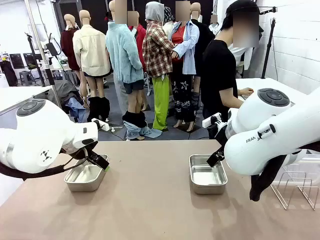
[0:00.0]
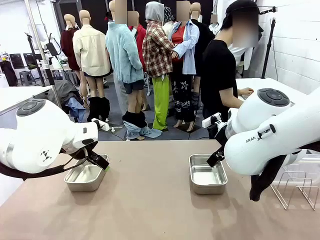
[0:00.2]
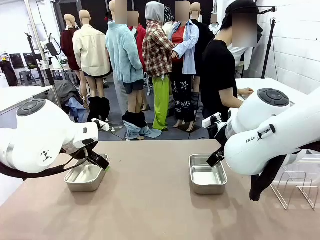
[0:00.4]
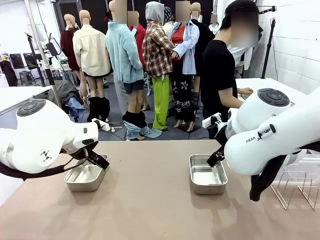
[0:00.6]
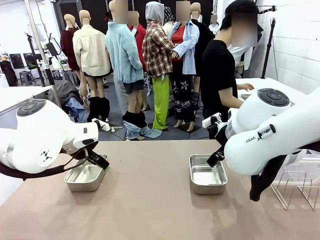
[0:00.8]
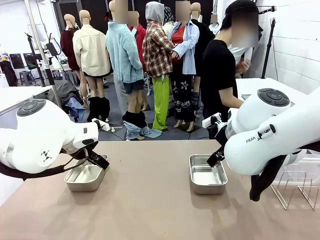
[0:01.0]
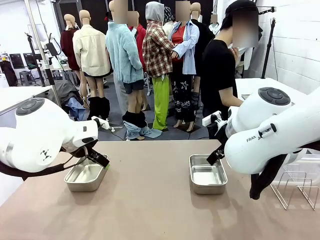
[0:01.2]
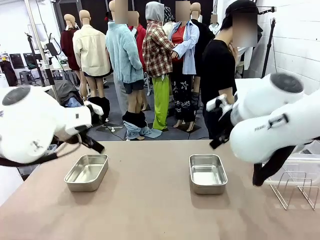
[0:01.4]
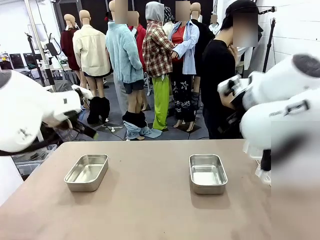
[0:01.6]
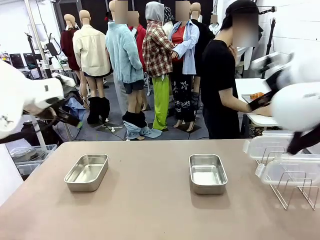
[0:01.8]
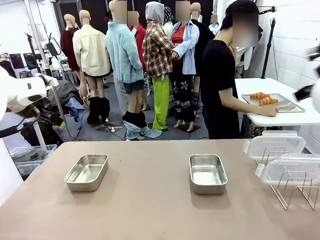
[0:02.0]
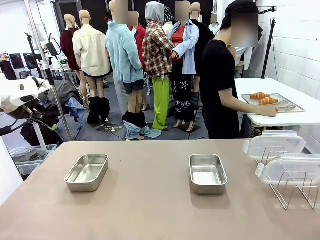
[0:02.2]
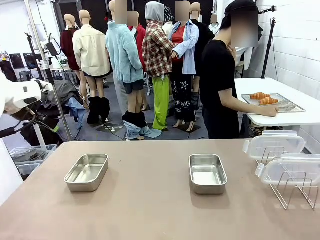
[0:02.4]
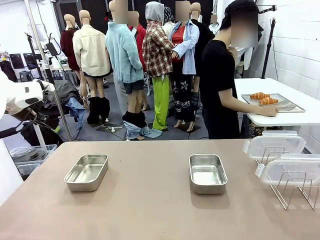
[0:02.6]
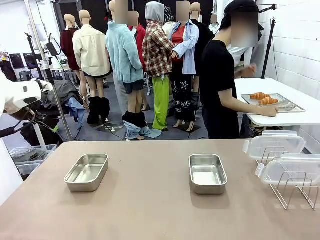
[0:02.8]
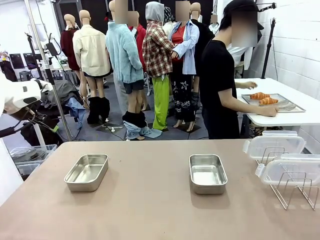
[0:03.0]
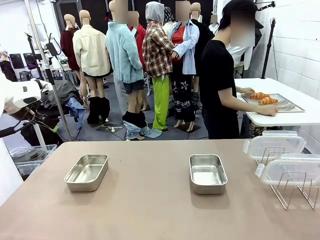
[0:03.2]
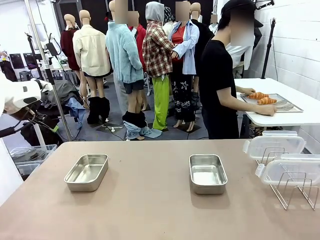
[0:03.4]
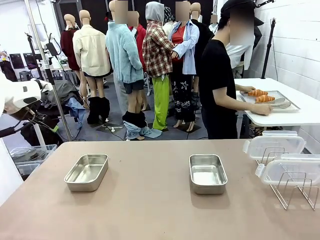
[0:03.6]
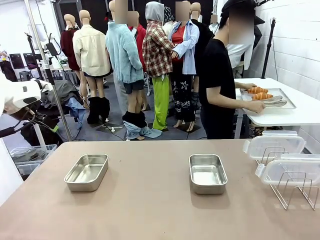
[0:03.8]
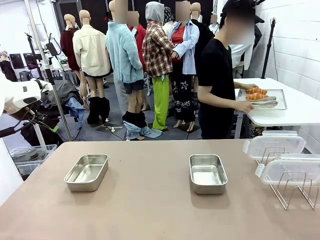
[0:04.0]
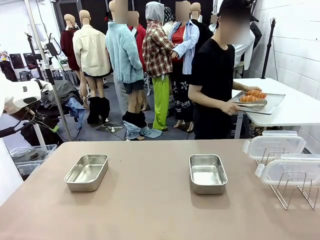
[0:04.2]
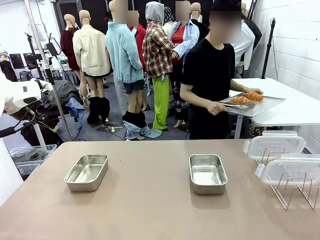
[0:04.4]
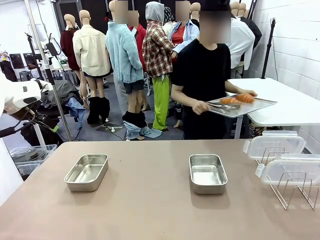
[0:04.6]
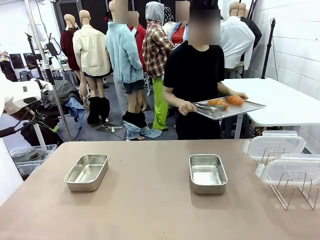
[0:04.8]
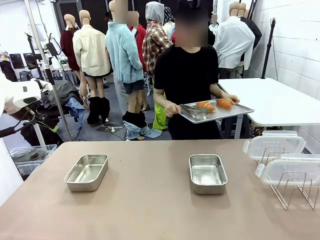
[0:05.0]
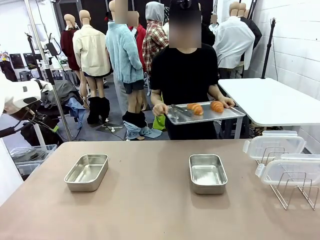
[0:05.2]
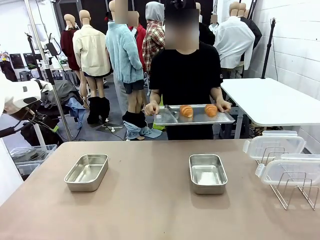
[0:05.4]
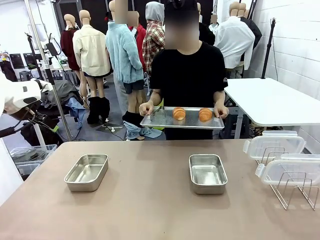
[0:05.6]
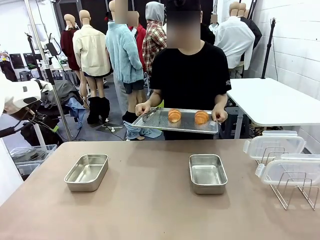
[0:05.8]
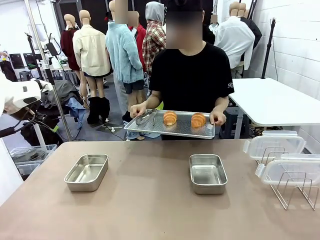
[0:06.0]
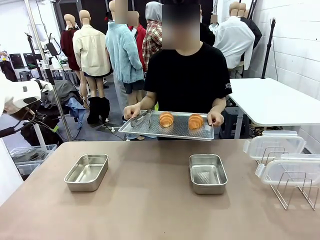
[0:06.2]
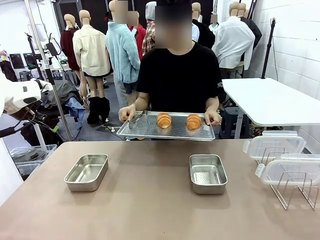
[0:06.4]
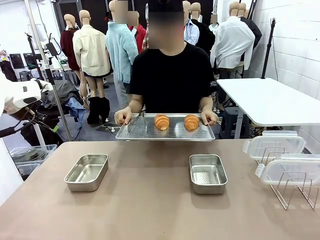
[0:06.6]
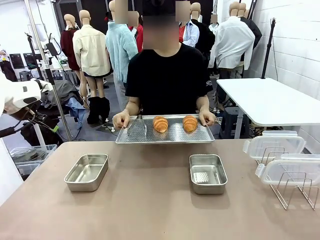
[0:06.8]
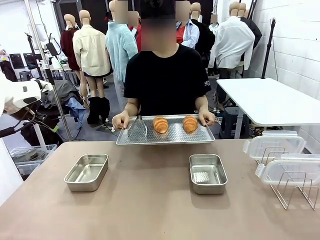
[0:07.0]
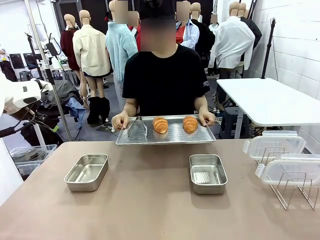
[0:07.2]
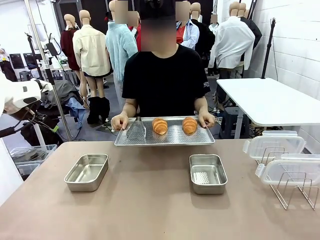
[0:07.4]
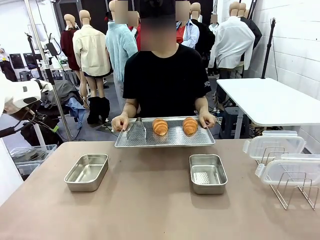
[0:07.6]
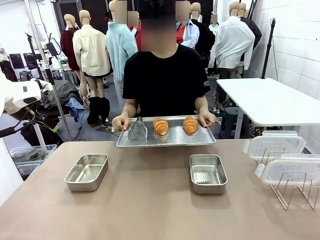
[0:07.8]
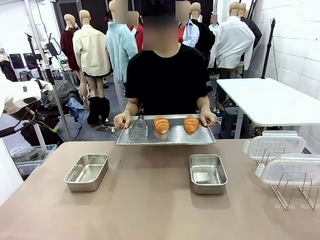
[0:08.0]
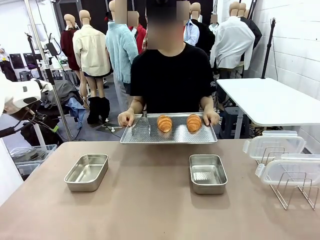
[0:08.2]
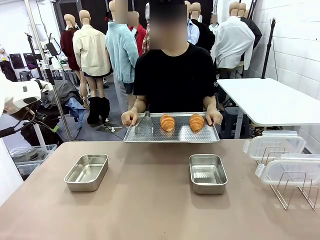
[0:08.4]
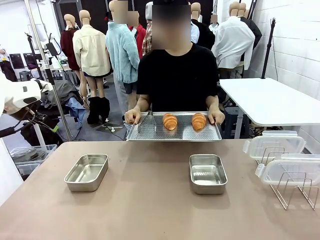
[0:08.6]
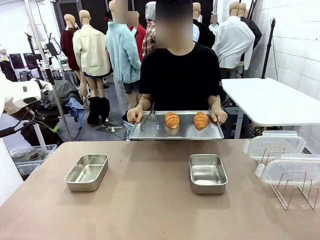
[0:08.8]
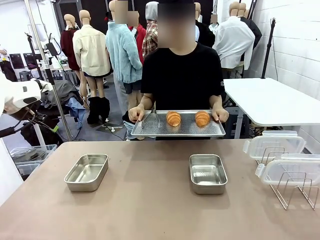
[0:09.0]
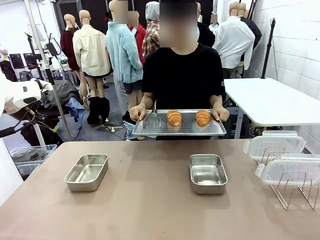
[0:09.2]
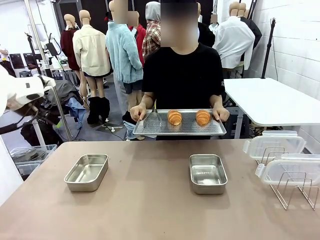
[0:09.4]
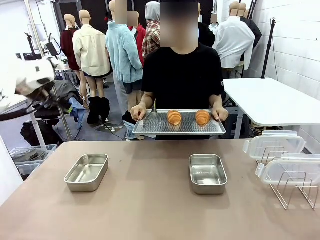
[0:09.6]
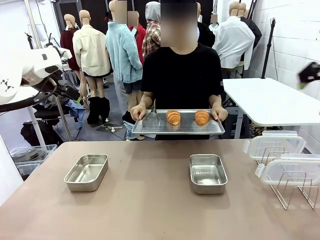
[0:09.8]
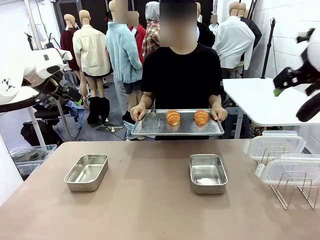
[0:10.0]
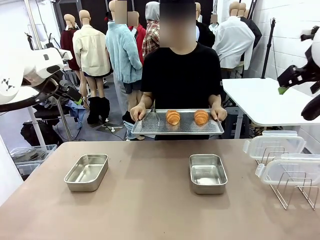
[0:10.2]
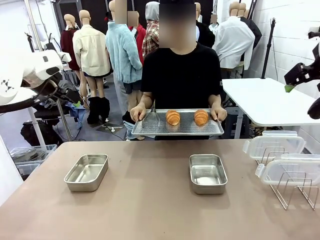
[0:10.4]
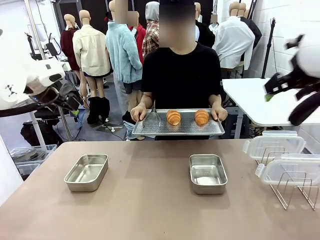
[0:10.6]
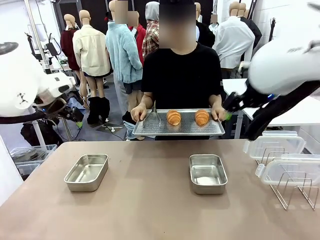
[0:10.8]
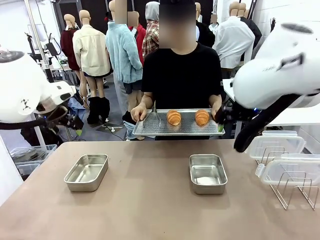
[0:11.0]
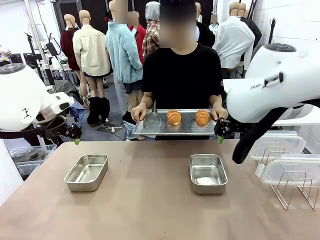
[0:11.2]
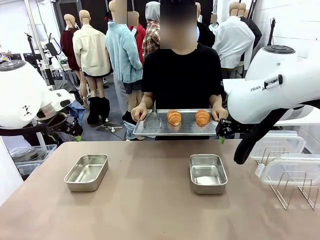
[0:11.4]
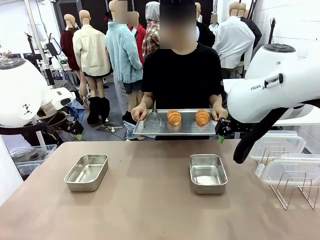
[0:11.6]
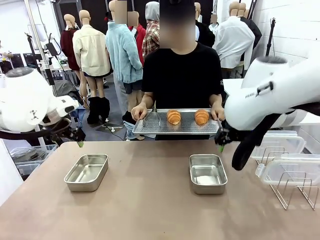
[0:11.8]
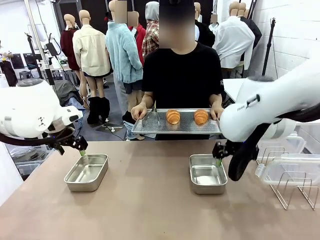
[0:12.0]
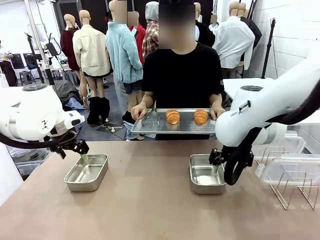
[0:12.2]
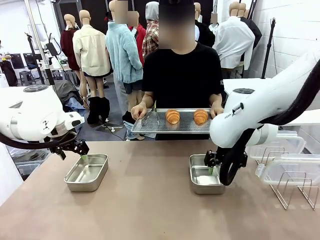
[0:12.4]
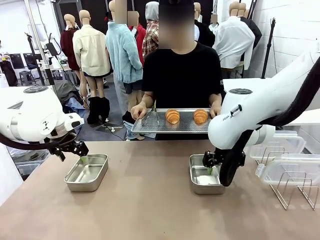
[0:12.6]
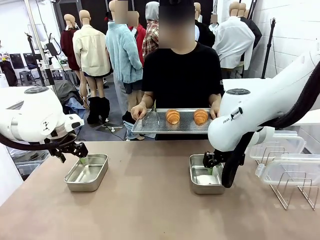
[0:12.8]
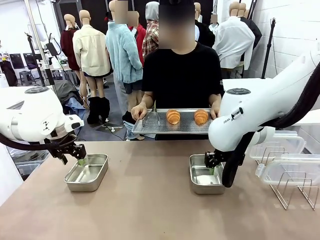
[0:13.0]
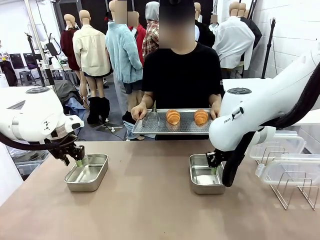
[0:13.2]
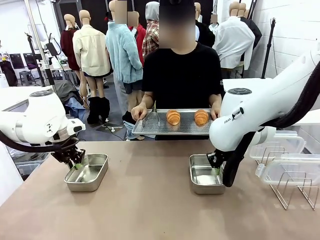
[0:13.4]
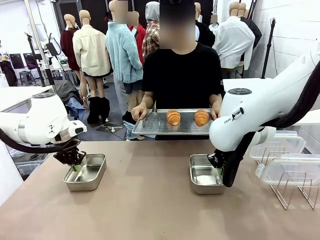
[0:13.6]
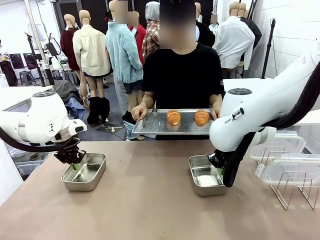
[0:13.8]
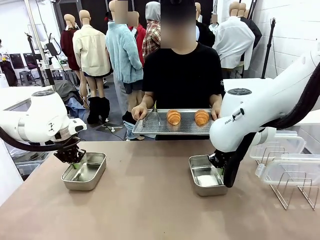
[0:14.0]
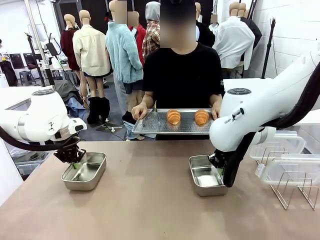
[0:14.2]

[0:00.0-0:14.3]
Task: Place the bread in airtight containers.
Robot: Lift both Airtight Container.
Person: Bring the Baking Sheet in front of Robot's Table.
